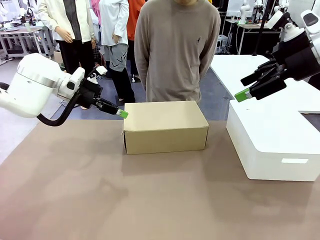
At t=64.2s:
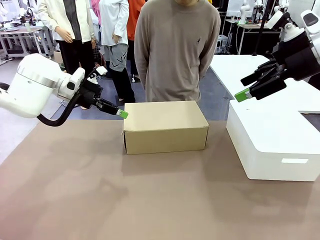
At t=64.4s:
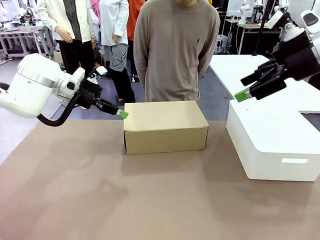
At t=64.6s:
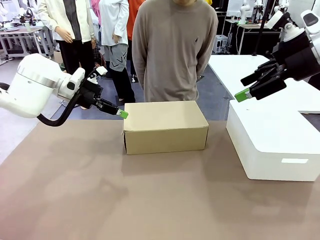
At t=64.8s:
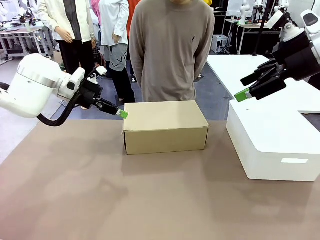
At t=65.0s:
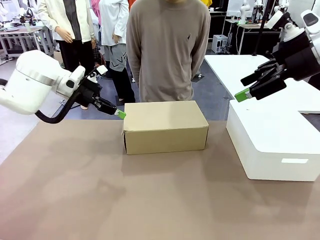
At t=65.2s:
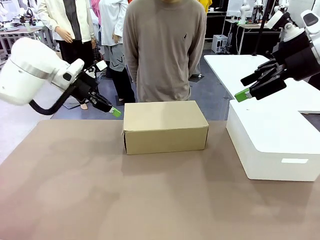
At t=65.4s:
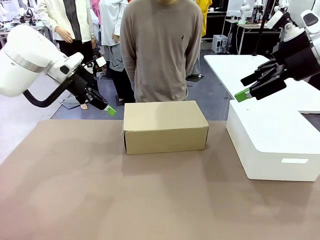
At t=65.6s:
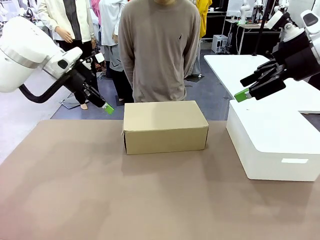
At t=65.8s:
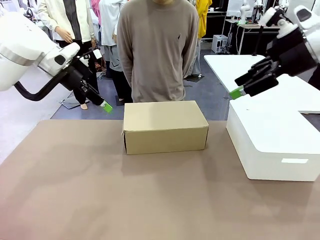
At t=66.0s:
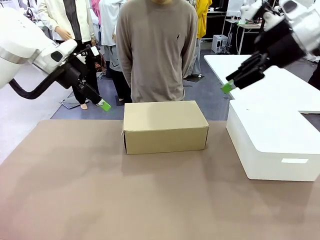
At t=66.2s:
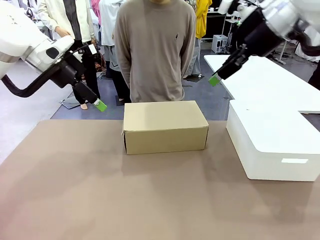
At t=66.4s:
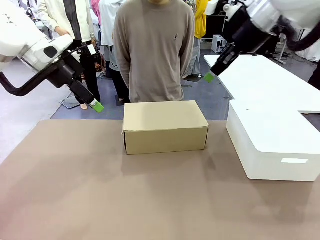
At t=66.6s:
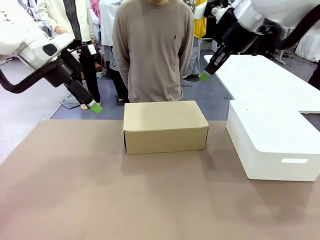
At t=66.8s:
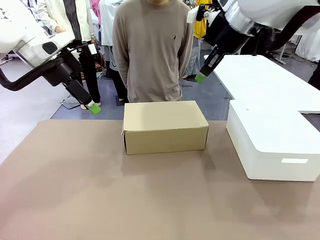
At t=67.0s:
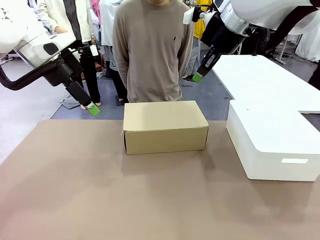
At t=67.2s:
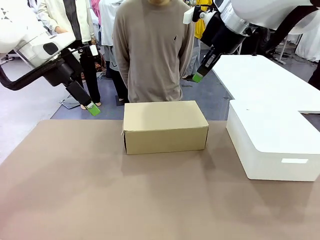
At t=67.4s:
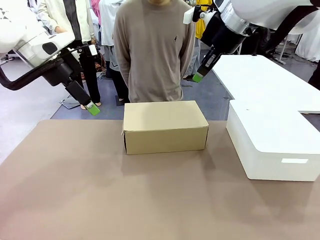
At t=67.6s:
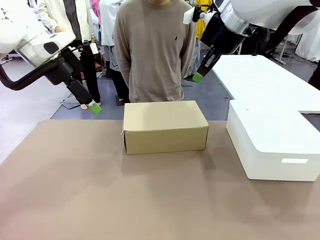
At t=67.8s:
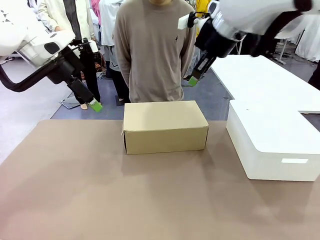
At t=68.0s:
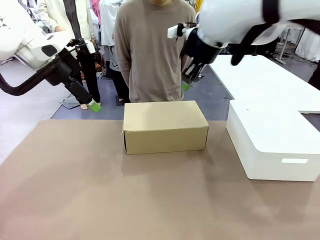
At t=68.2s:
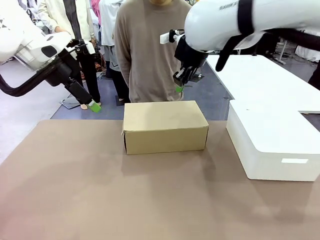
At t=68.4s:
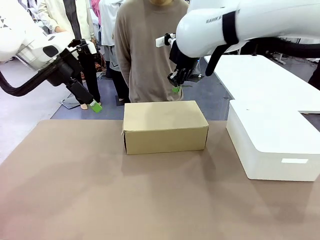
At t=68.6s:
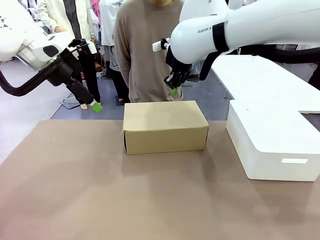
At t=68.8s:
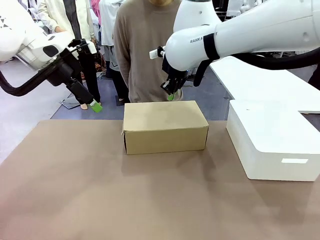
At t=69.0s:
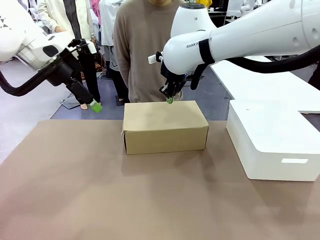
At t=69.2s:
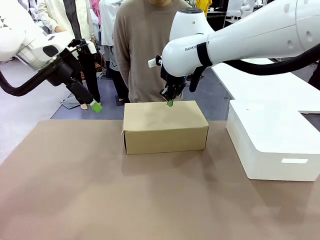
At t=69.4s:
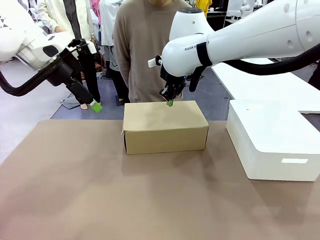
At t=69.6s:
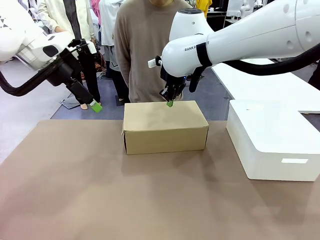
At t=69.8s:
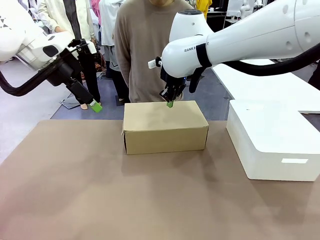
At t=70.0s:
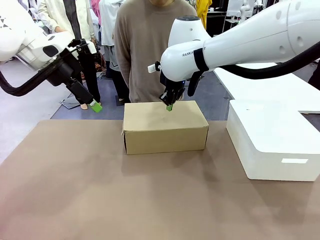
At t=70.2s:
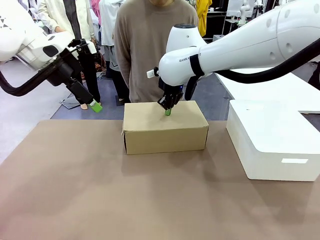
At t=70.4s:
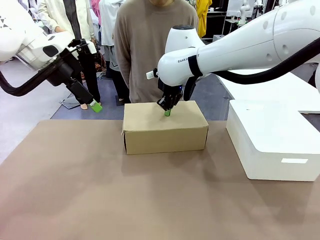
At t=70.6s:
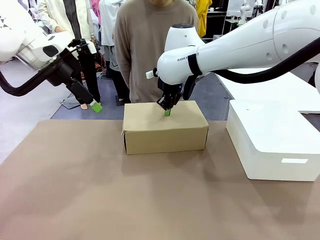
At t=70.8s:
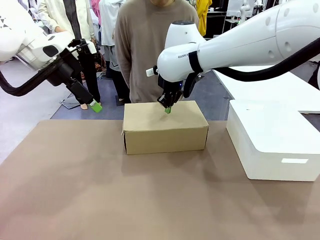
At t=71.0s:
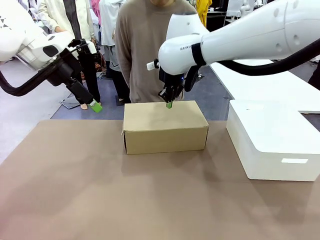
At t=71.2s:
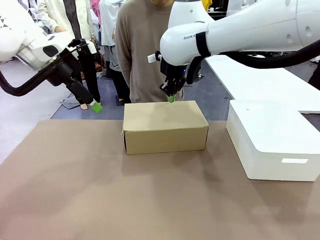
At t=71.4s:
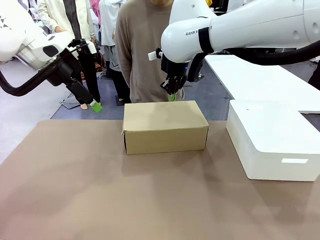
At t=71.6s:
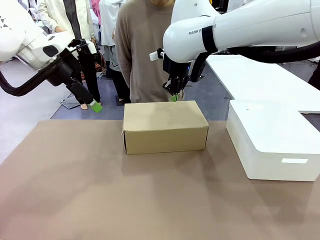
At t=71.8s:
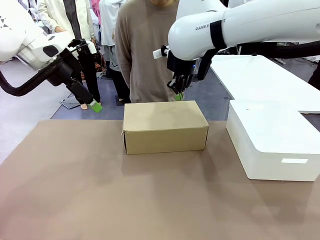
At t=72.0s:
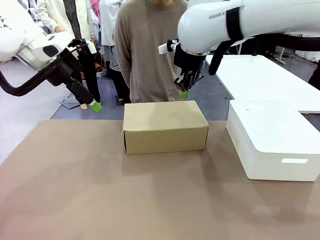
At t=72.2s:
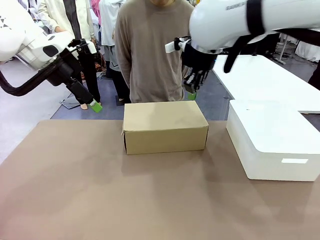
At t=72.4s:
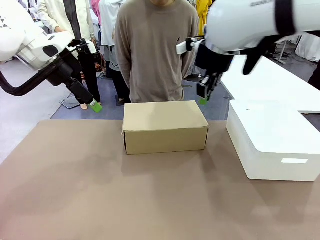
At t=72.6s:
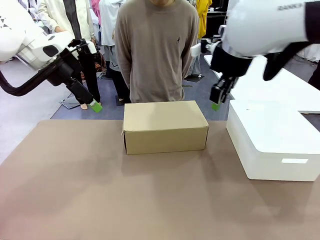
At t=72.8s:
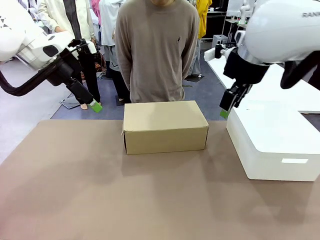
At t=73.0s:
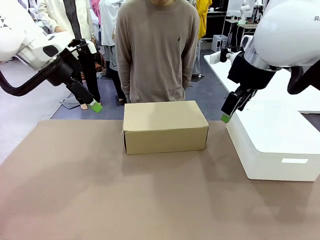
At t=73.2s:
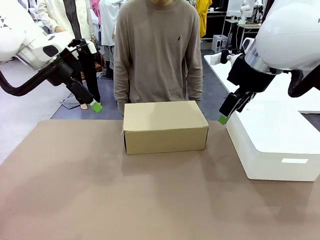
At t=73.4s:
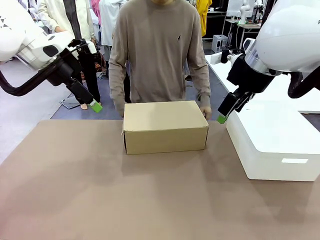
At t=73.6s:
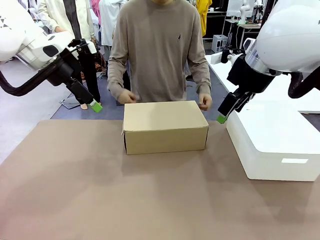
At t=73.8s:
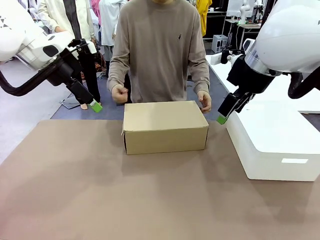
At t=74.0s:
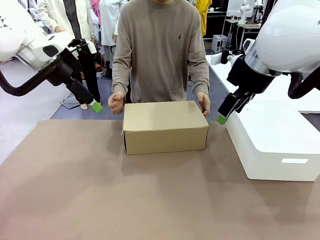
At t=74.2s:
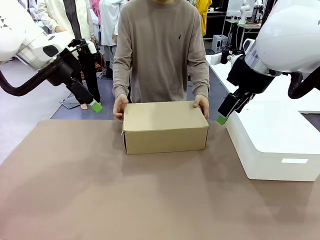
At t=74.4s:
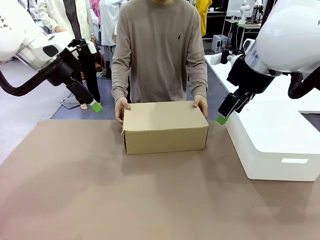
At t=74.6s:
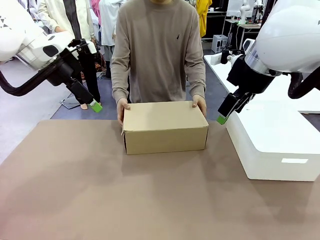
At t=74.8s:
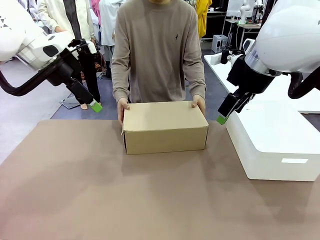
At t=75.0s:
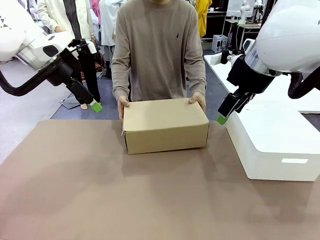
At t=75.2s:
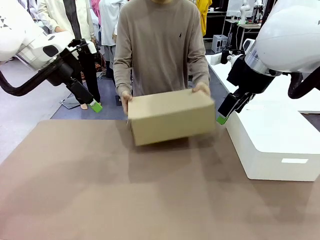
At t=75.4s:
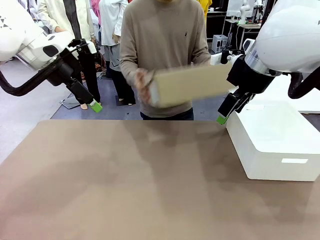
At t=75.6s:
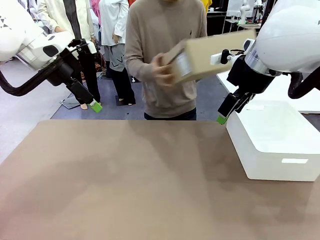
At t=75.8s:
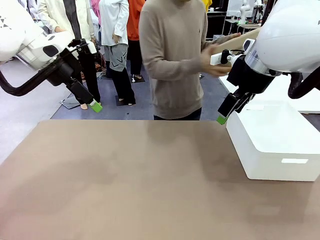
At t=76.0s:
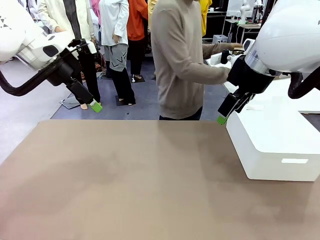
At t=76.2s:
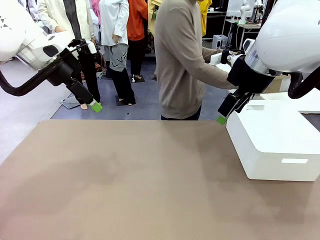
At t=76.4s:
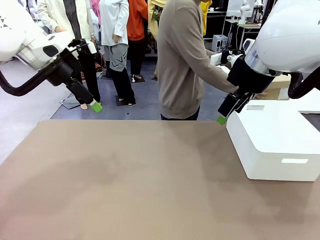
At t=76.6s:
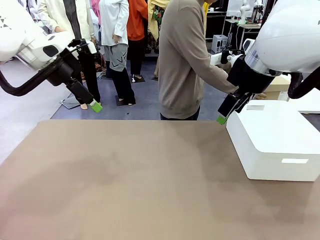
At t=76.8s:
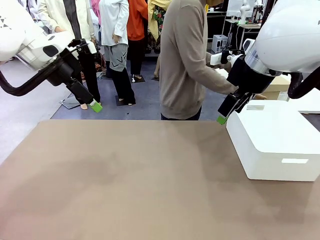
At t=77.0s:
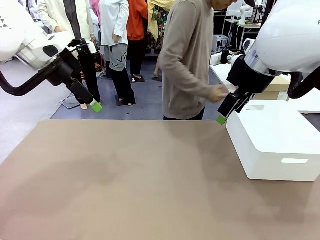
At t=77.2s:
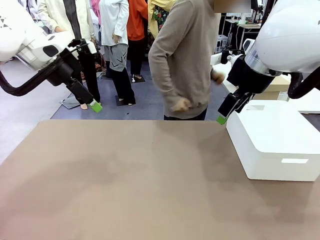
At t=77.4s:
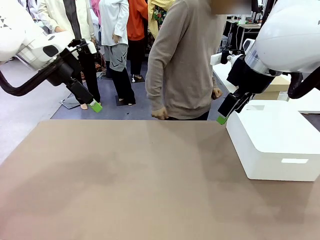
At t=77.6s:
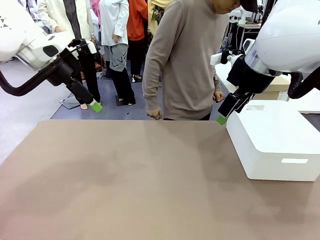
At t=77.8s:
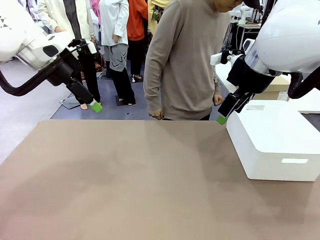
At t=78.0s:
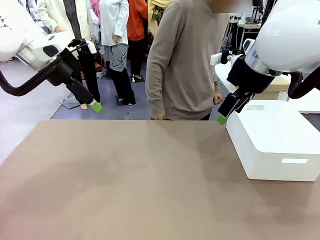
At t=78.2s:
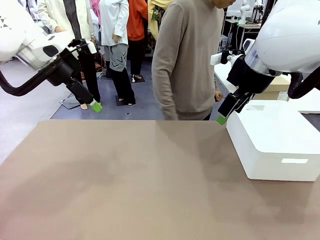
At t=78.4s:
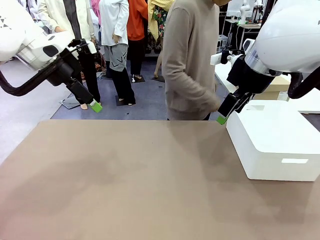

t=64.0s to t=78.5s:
Task: Pack the shoes into the box.
Robot: Press down on the lid of the Shoes Box.
Person: Place the closed Shoes Box to the right side of the human table.
